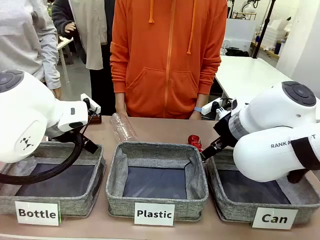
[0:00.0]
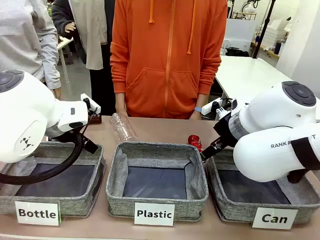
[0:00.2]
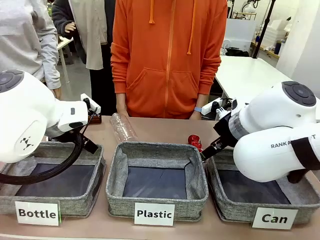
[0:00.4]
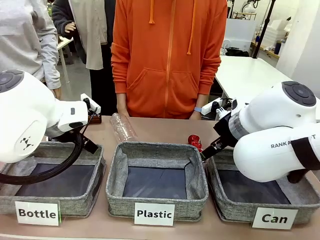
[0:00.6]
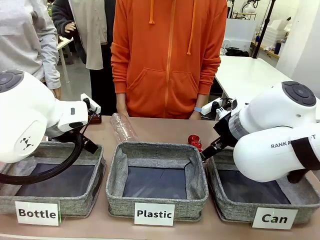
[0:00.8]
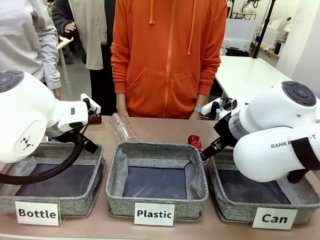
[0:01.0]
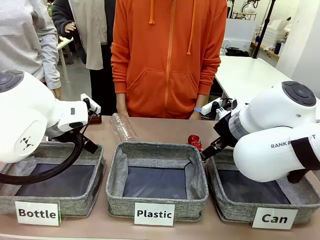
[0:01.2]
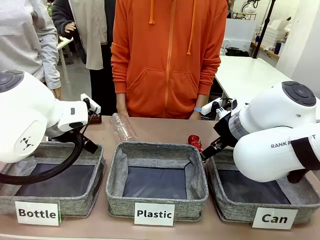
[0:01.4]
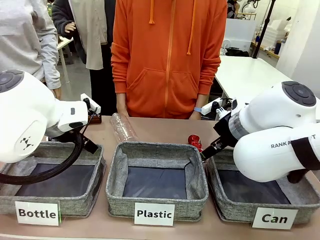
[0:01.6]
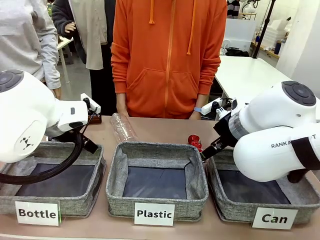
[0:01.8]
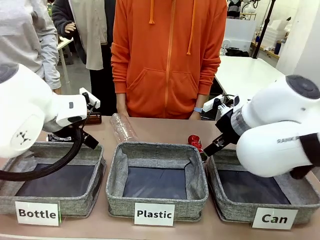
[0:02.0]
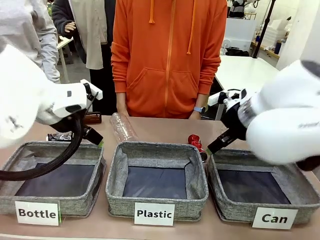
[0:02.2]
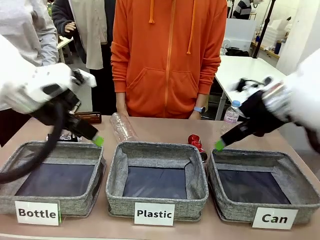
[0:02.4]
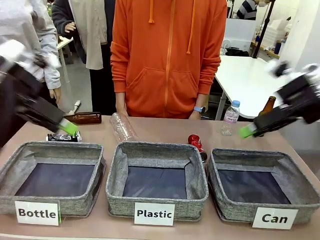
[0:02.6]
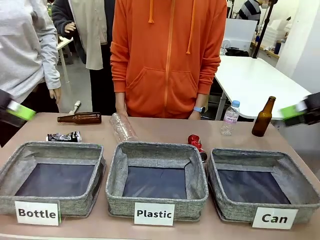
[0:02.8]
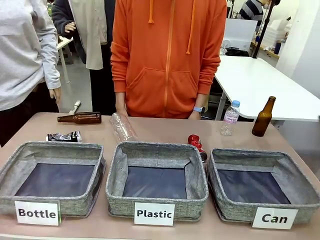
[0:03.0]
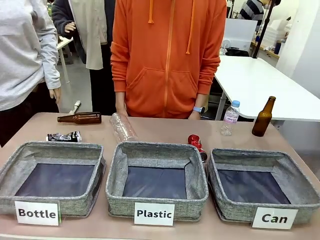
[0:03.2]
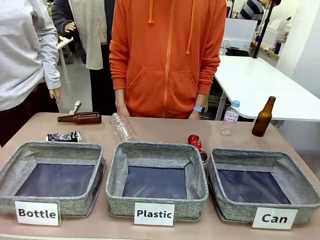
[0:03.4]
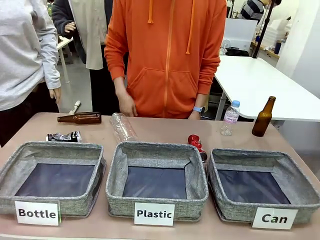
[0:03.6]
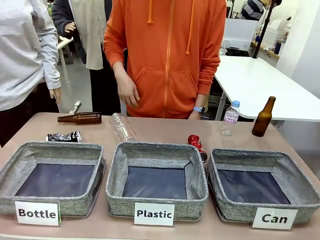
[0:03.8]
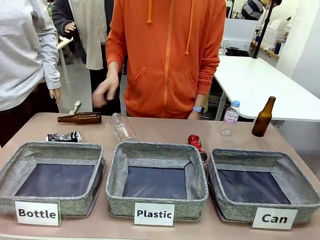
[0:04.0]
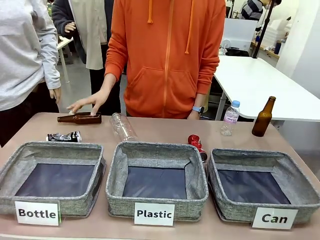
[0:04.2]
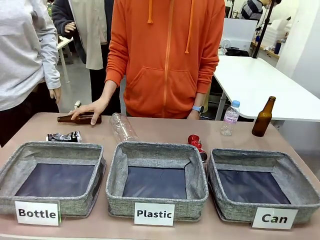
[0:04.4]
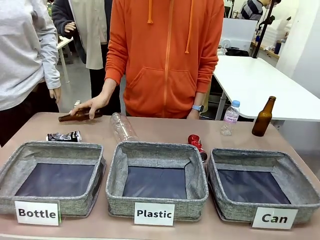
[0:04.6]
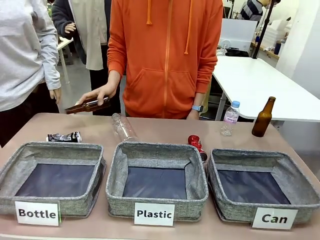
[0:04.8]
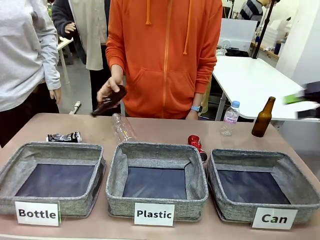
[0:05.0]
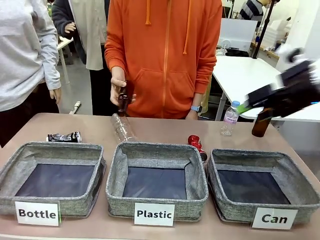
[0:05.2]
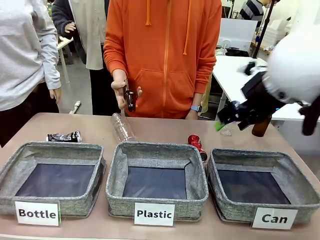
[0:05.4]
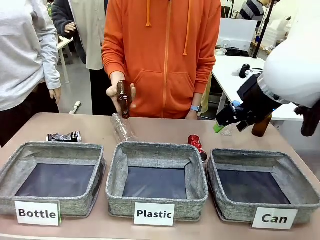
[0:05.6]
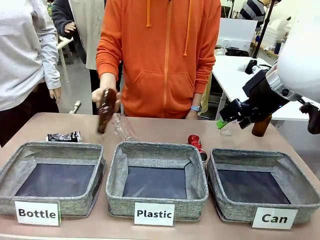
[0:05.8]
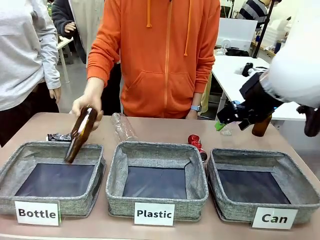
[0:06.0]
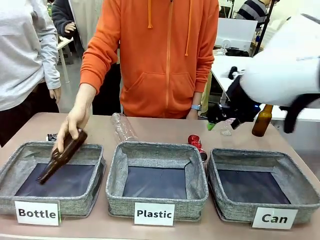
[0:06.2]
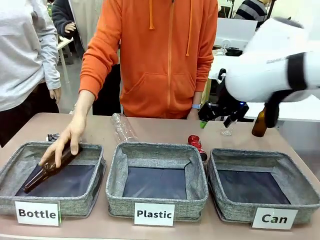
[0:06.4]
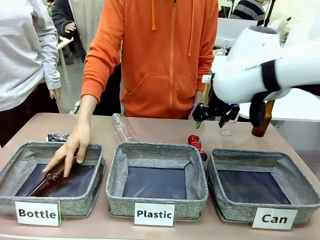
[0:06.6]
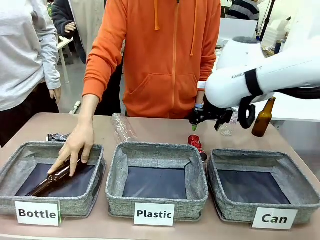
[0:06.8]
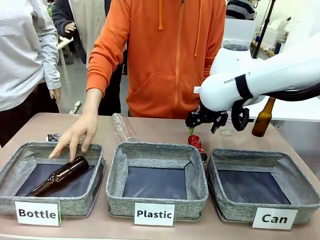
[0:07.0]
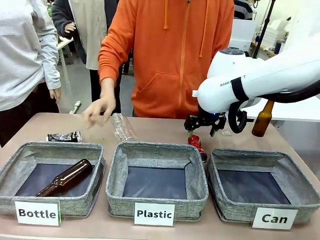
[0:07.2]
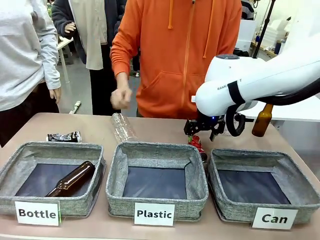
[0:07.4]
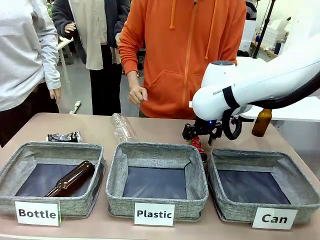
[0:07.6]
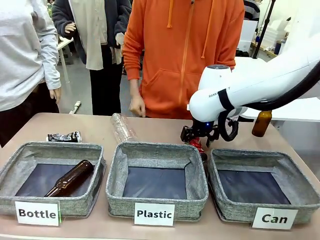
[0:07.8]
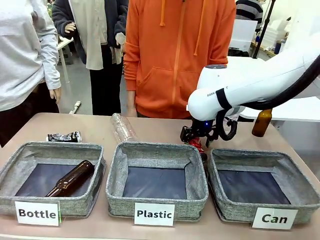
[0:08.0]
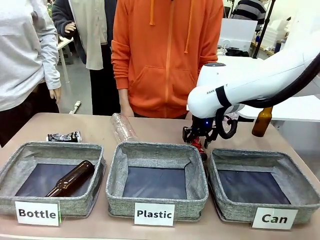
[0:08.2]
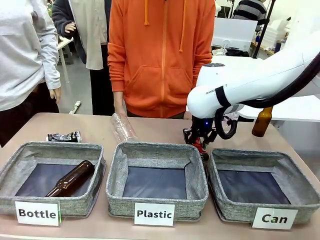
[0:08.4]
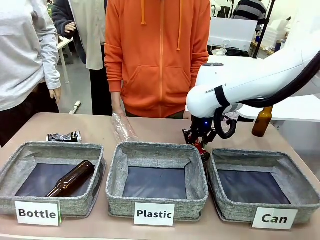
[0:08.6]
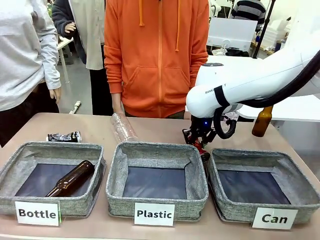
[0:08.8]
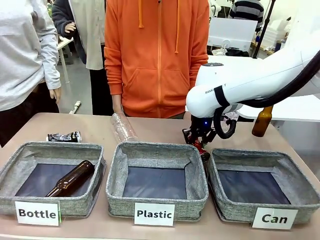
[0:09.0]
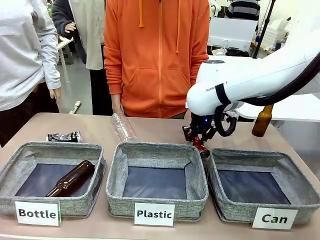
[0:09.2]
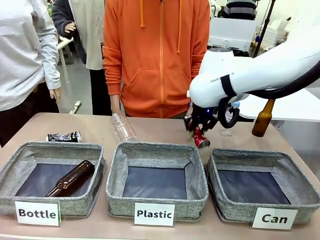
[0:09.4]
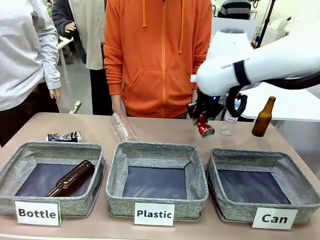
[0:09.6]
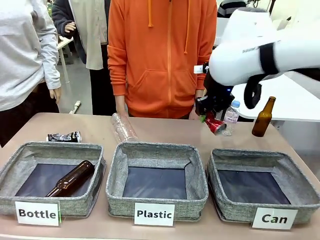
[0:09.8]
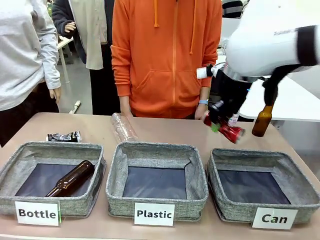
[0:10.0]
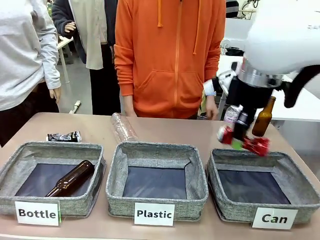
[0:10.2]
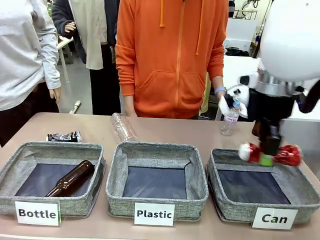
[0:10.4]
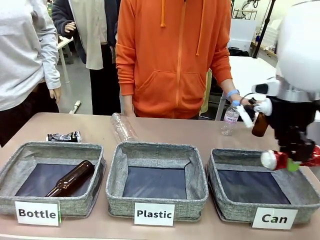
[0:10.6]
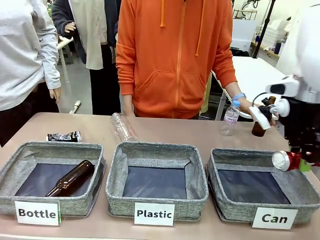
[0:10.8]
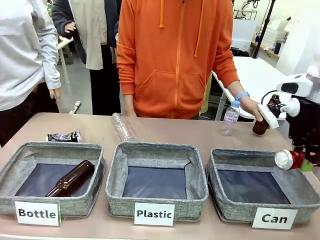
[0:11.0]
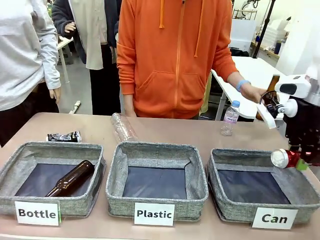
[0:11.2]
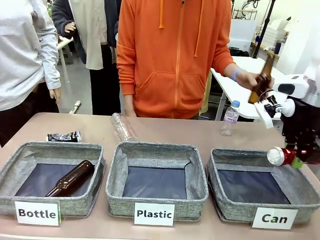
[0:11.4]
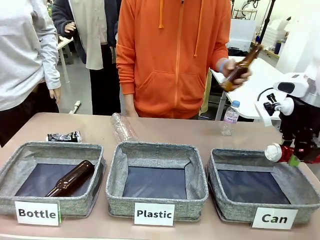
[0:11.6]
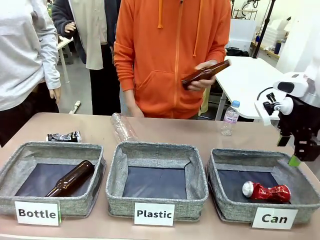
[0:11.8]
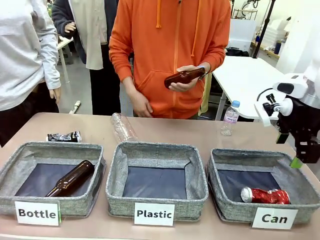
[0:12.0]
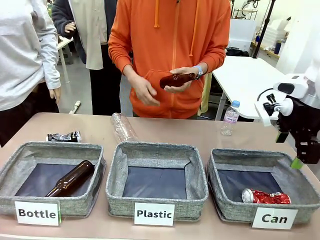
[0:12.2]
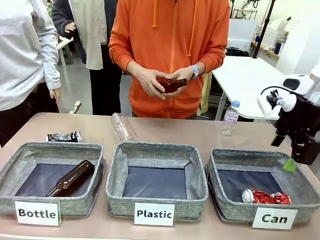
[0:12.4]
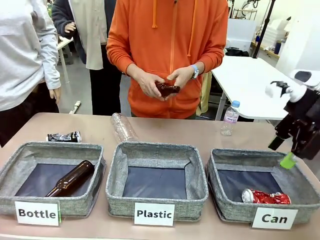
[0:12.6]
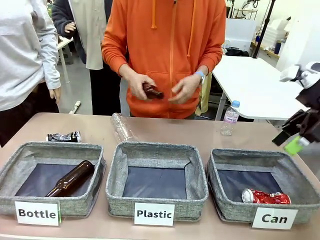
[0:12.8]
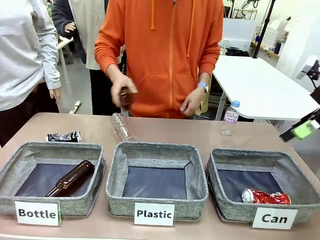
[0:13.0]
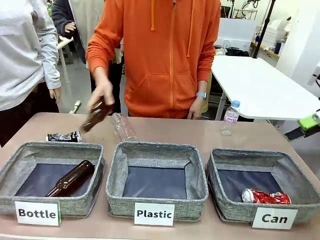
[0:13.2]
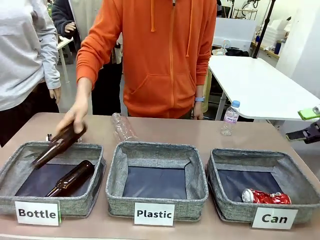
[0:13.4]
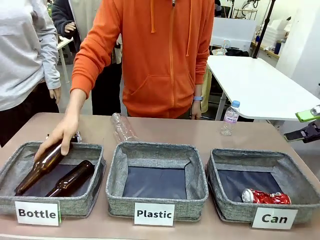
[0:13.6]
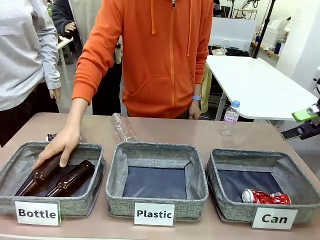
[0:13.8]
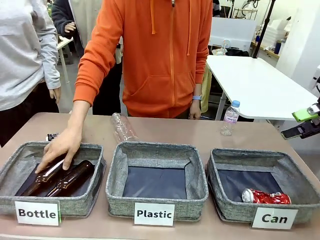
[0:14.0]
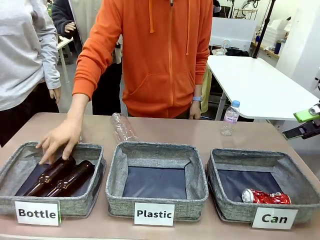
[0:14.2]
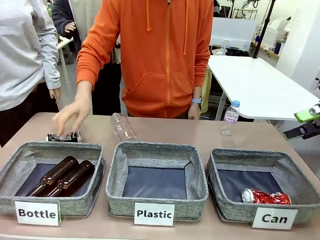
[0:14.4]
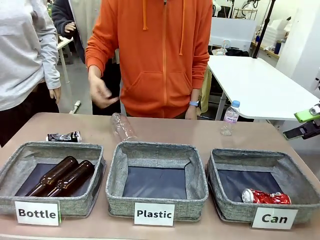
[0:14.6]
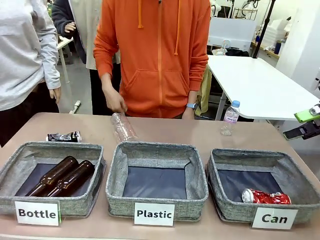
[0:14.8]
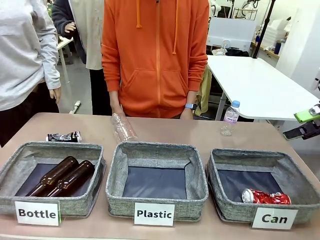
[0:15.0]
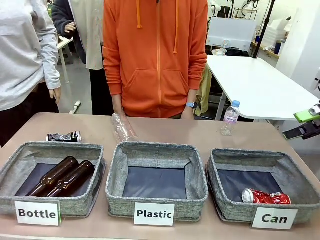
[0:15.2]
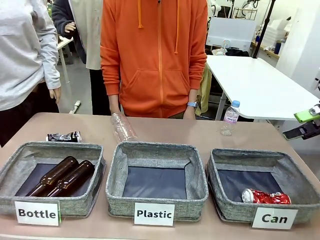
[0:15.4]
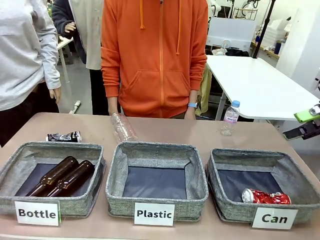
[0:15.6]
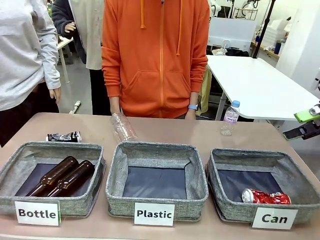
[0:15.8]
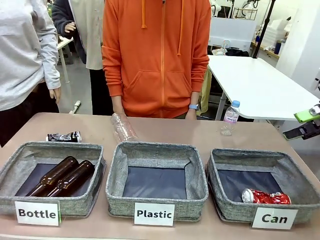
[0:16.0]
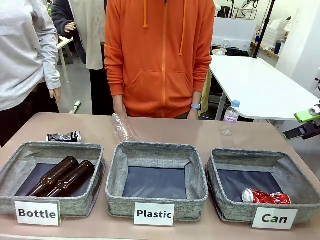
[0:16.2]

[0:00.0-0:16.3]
Task: Sort the can waste into the basket.
Robot: Pick up the can waste from the table and place it in the right Fabric basket.
